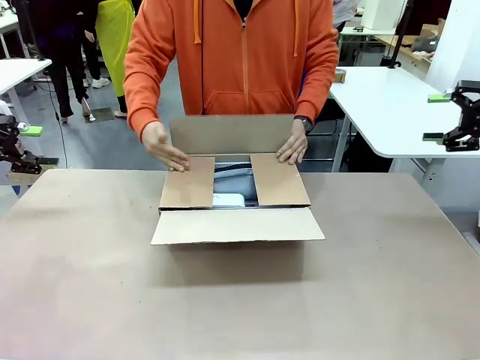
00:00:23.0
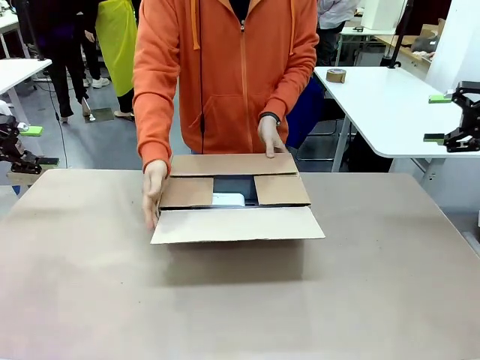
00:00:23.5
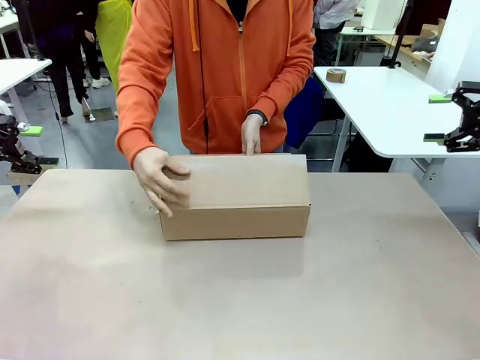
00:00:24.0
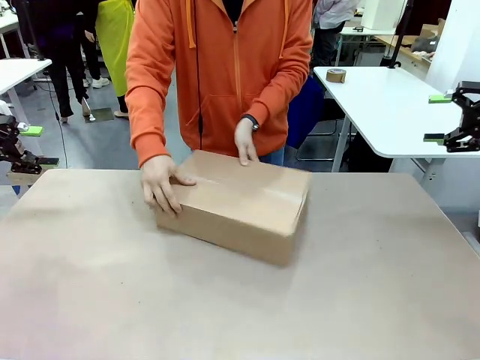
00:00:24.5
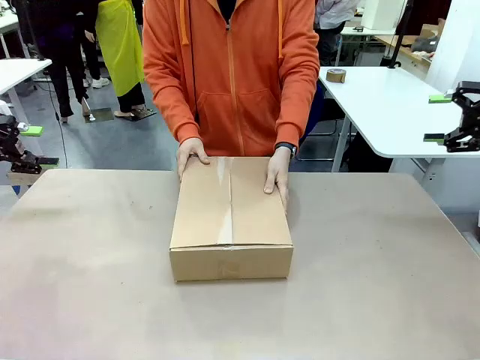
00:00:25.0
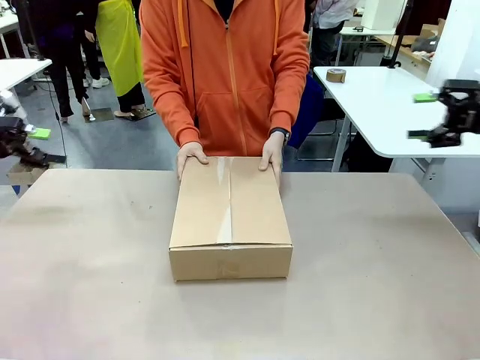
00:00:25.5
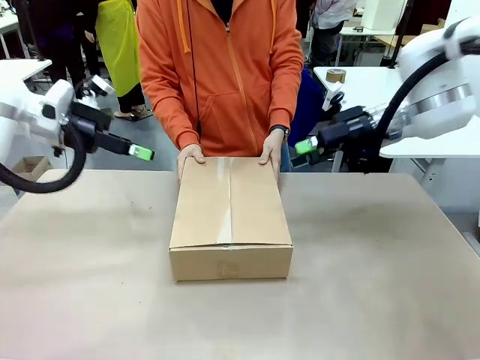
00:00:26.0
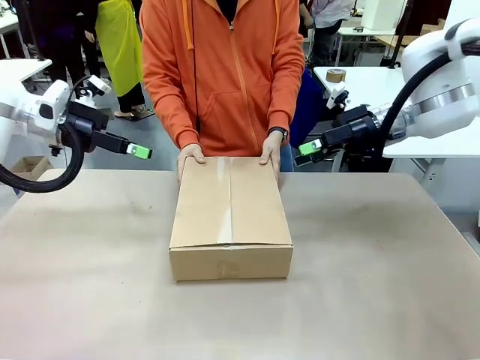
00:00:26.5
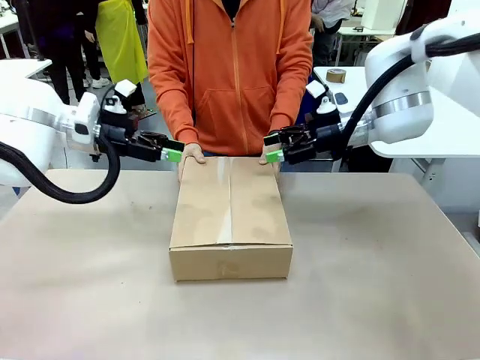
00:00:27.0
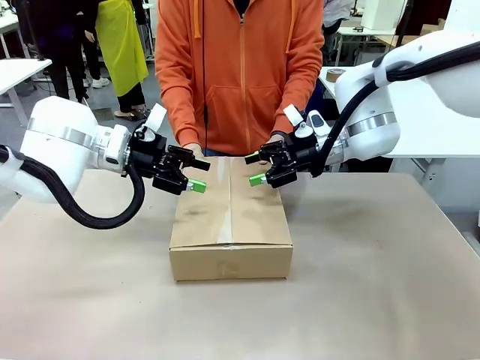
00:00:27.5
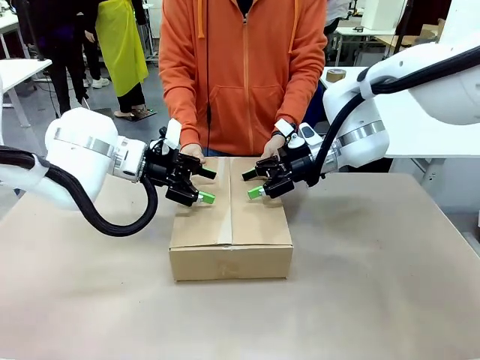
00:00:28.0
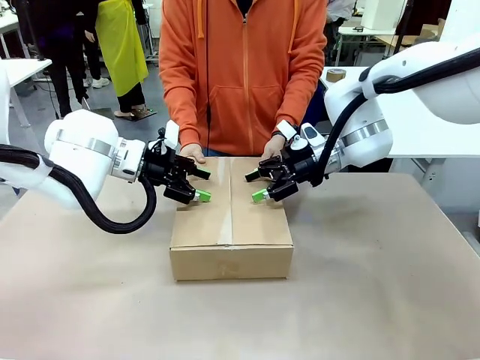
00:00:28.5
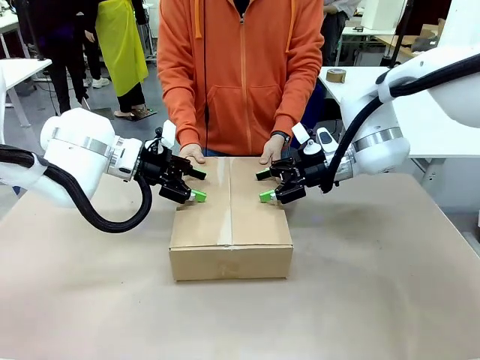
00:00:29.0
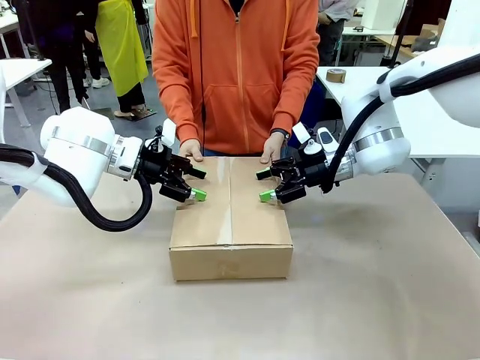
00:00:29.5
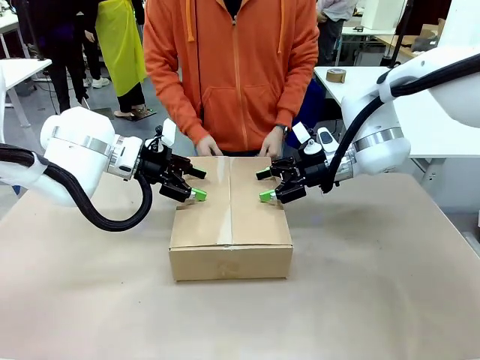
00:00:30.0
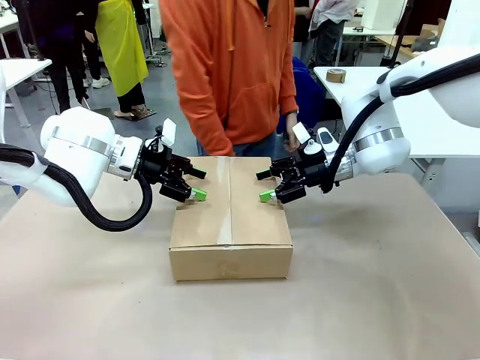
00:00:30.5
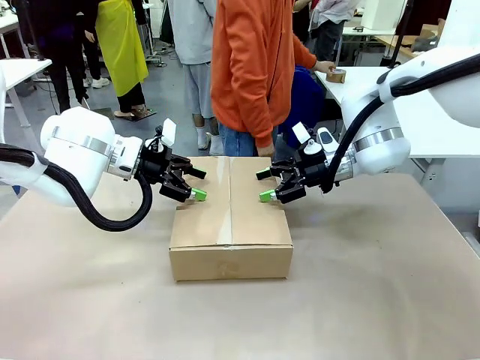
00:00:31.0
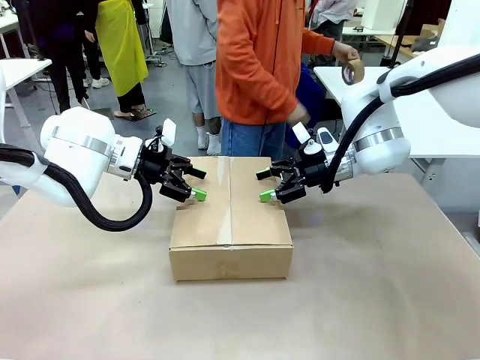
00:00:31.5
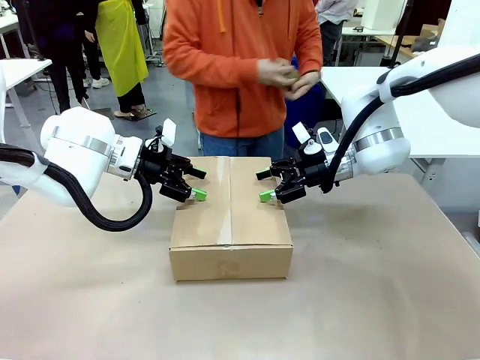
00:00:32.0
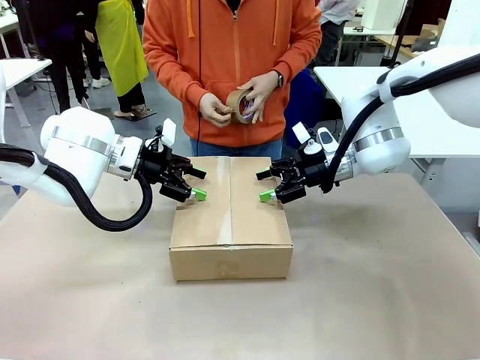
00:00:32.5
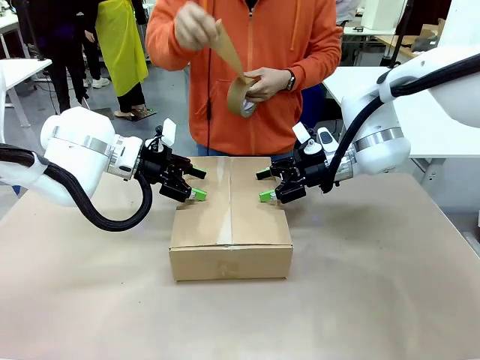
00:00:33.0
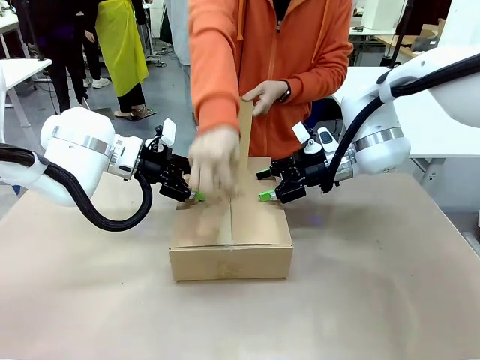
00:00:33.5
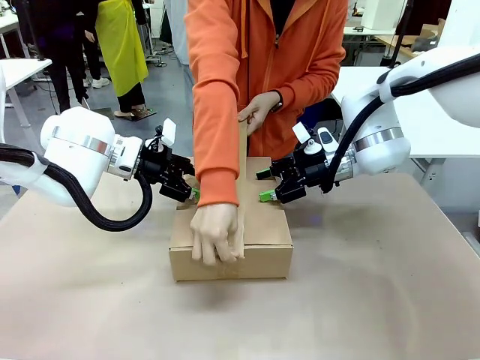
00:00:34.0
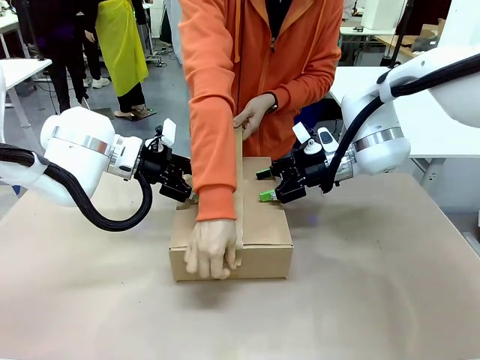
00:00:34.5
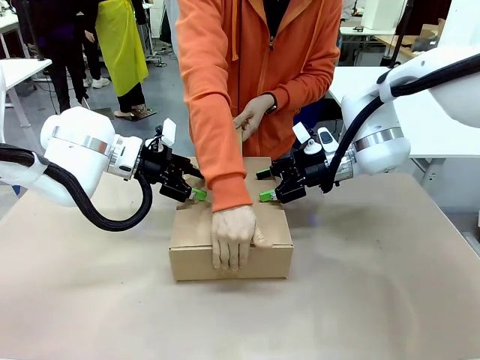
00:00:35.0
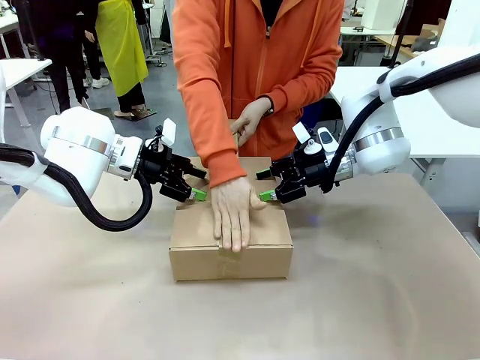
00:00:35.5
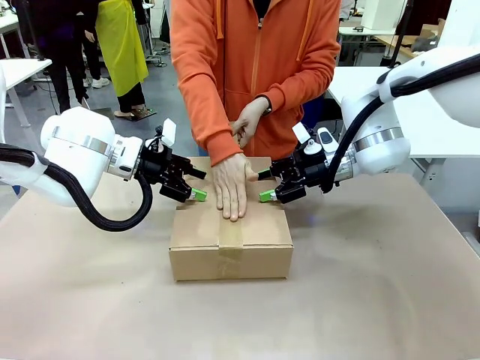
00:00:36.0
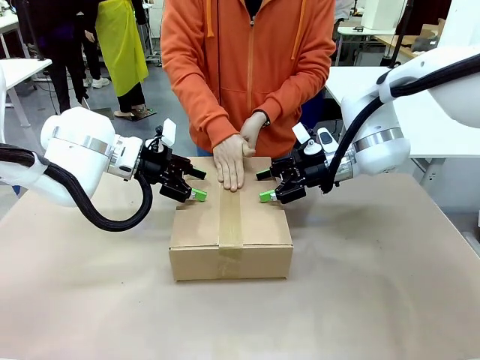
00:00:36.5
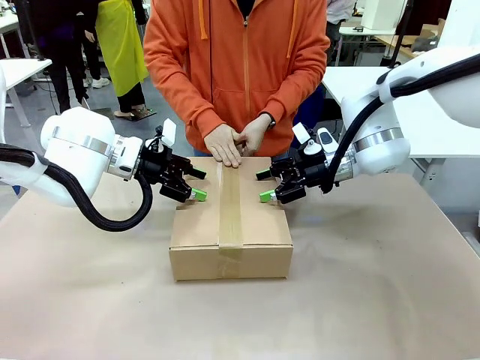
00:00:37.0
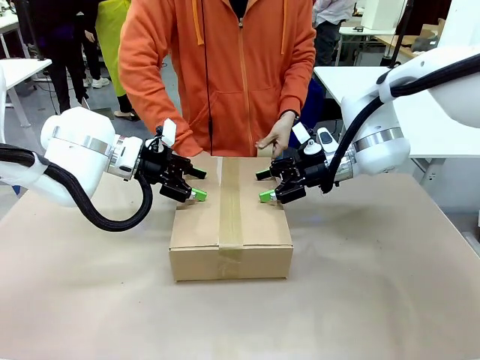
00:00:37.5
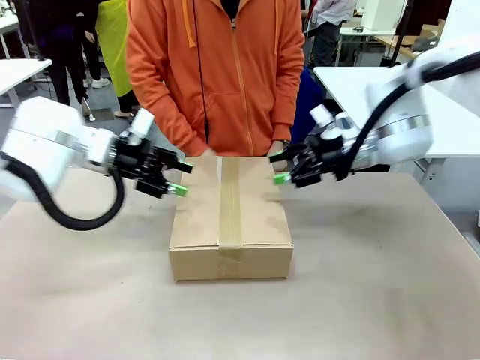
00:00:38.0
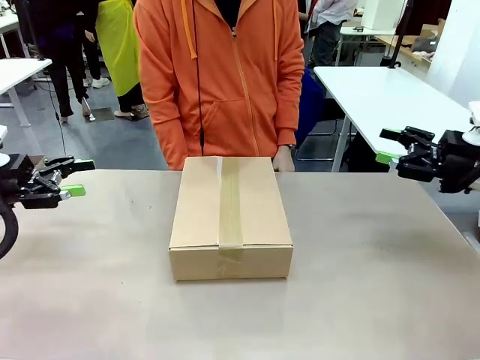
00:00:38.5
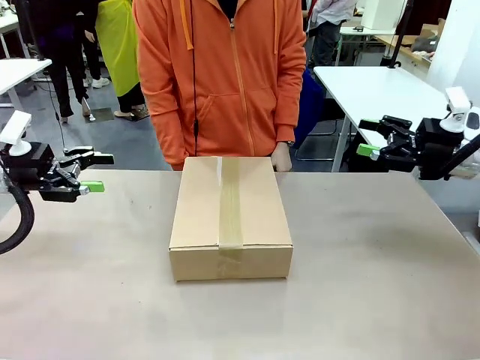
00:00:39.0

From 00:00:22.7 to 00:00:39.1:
Task: Pack the gift set into the box.
Robot: Press and hold the closed box until the human finishes sealing it.
Person: The human closes the box and rotates the box by 90 degrees. The human picks up the paper tape from the human table and packs the box.
